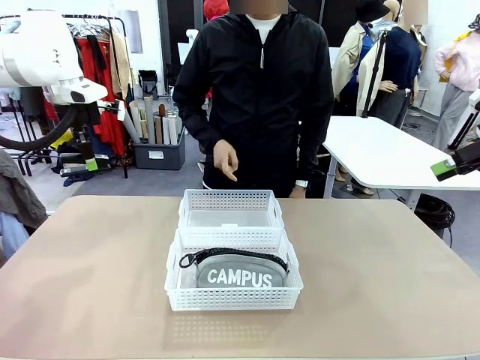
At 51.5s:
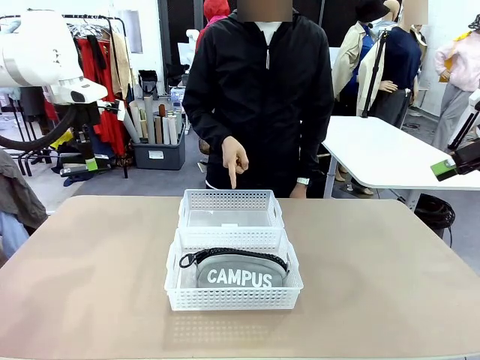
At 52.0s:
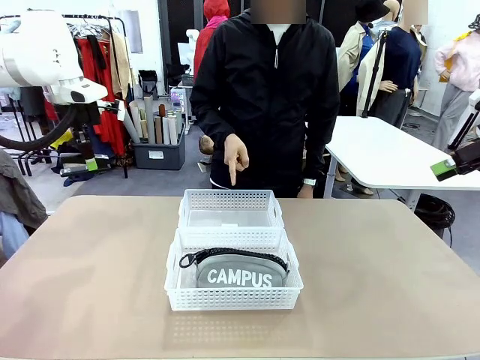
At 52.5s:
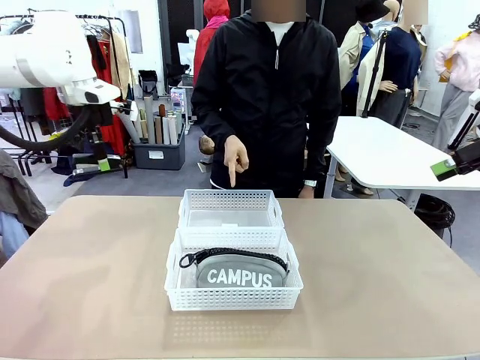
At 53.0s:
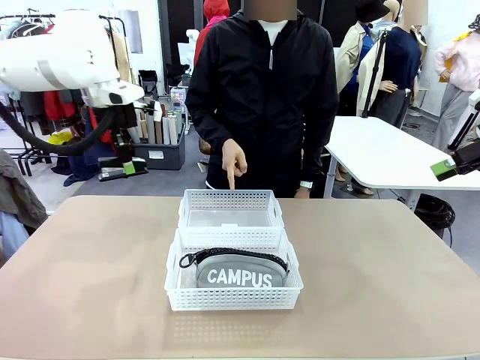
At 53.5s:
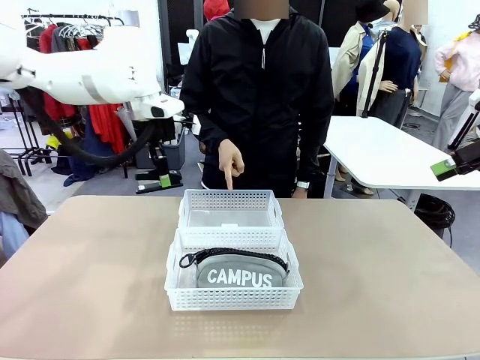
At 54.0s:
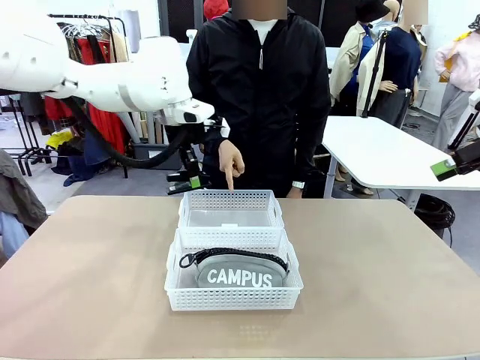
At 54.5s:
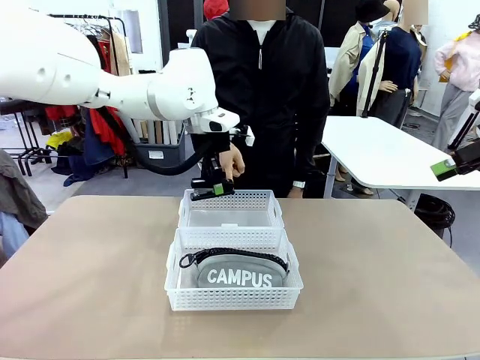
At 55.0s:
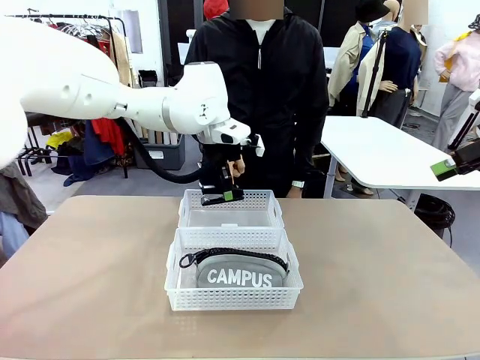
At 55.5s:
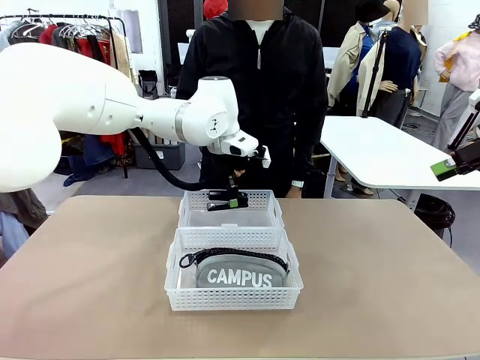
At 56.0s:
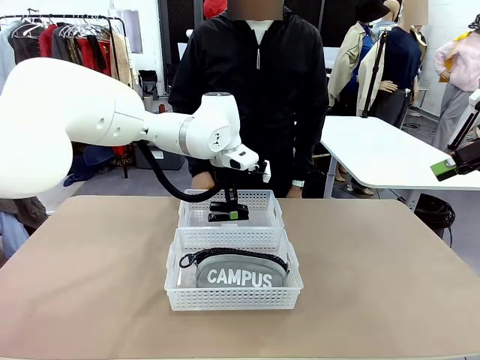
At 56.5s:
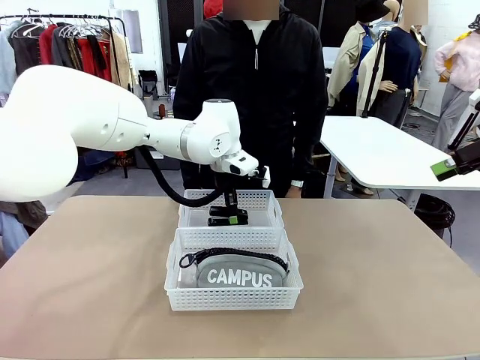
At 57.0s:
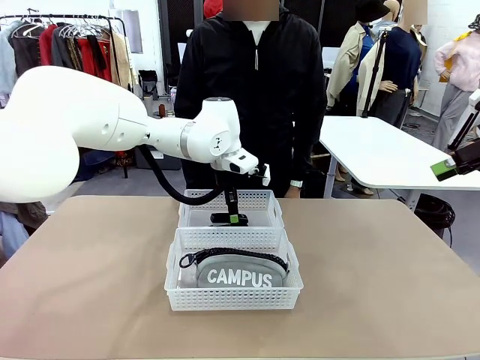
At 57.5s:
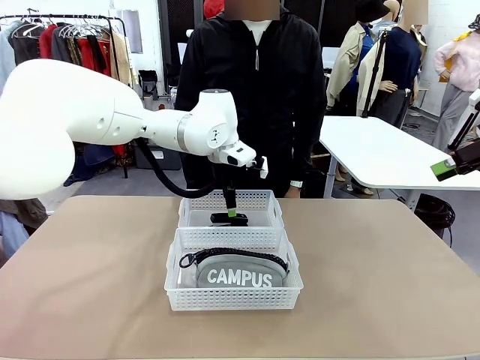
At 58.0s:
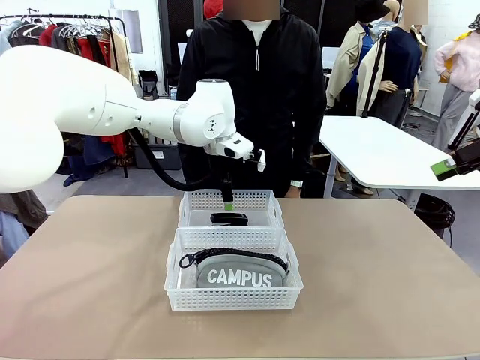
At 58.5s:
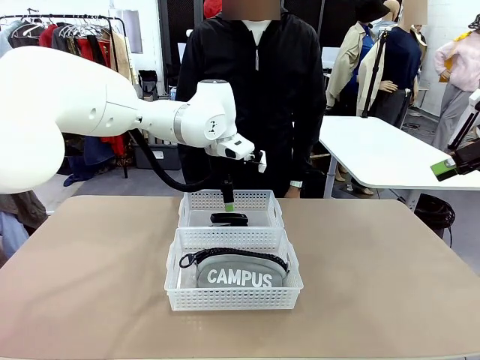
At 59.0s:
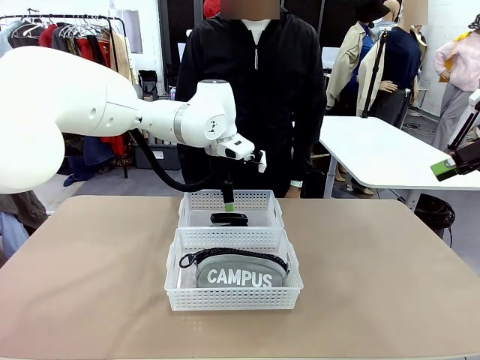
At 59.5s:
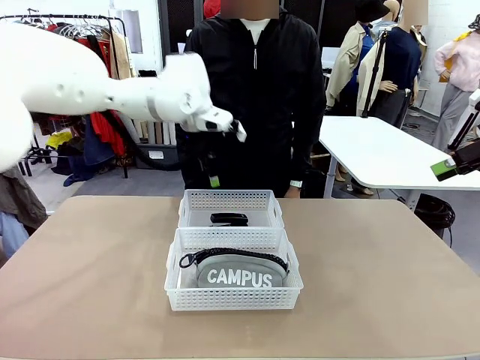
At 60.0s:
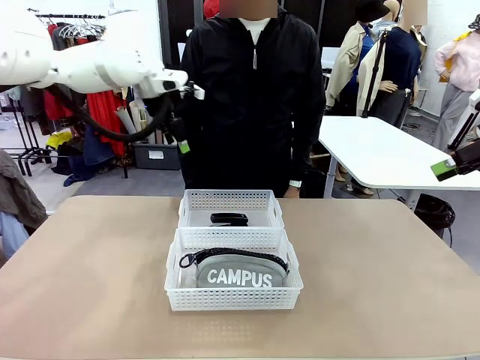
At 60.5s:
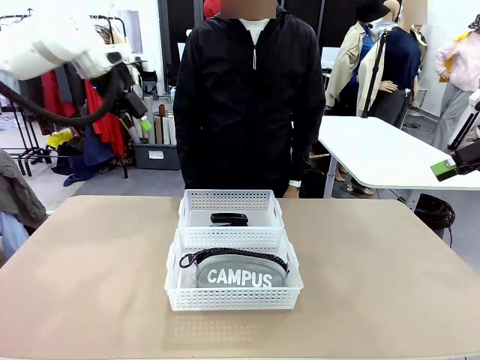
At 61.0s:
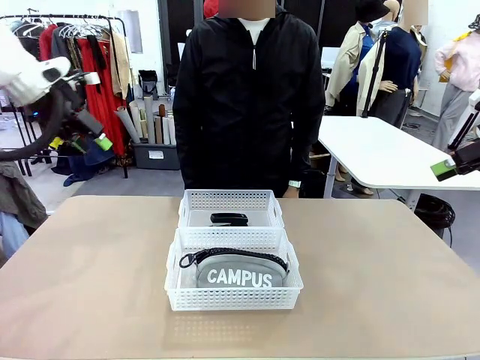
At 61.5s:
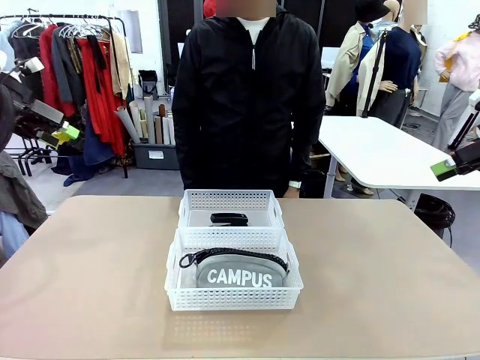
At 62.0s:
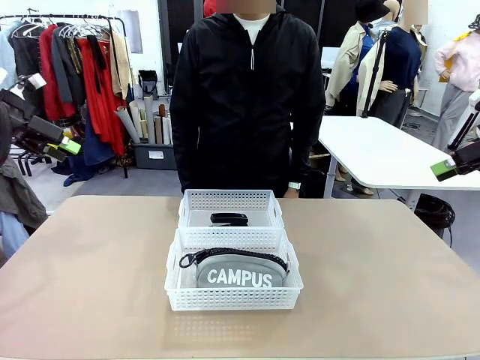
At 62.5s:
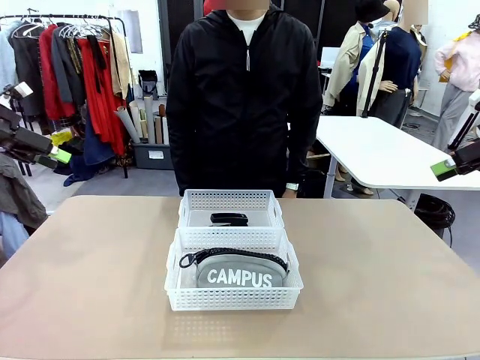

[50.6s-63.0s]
Task: Distribute items into two baskets.
Robot: Place the picked Stapler into the Organizing basket as instructed by the person.
Person: Points to the basket that does not contain the pencil case and instructs the robot to move the stapler there.

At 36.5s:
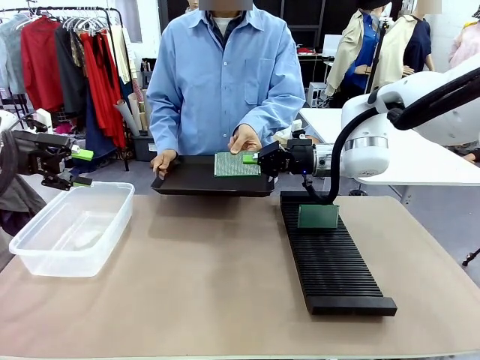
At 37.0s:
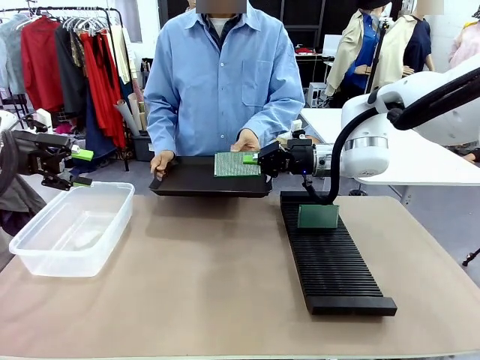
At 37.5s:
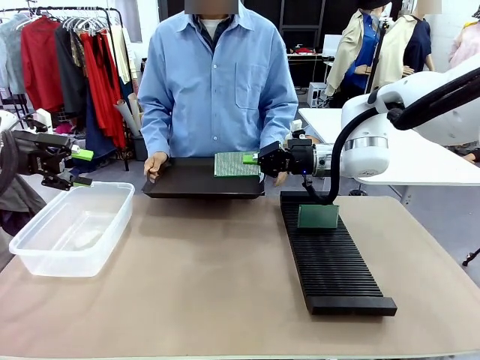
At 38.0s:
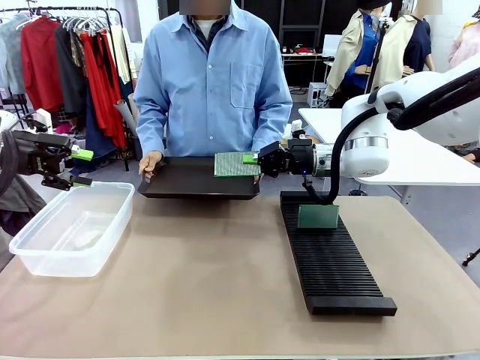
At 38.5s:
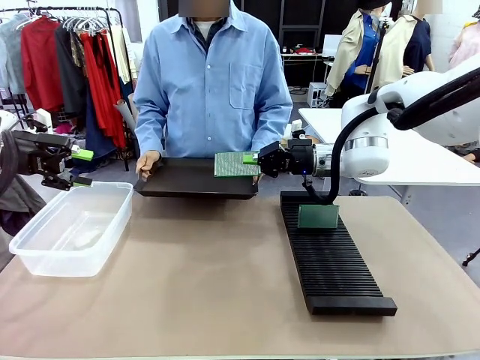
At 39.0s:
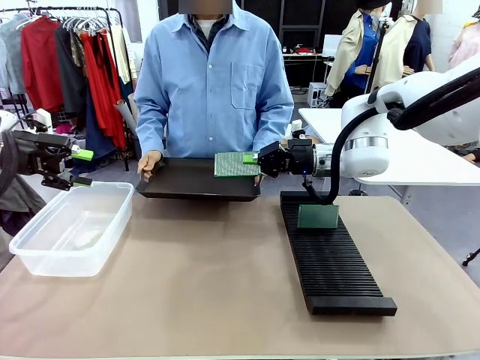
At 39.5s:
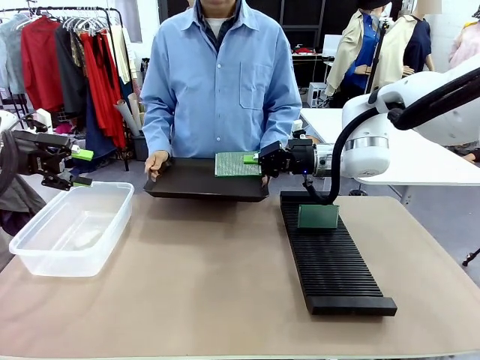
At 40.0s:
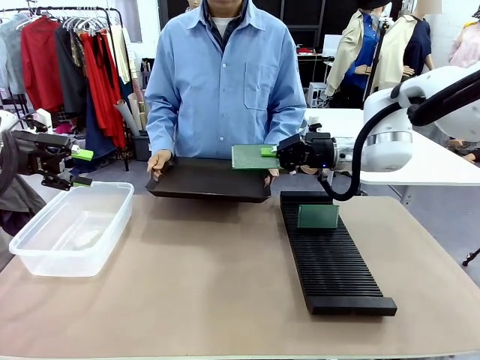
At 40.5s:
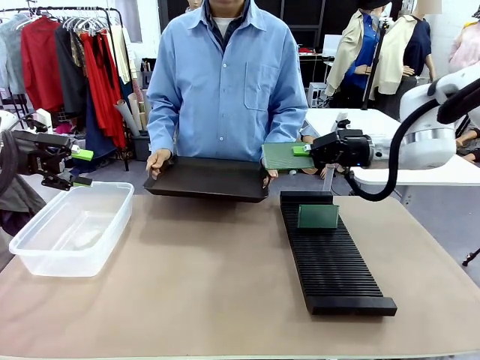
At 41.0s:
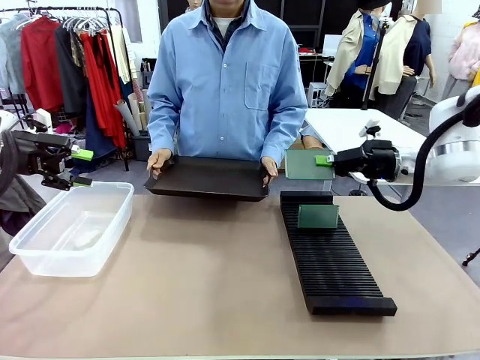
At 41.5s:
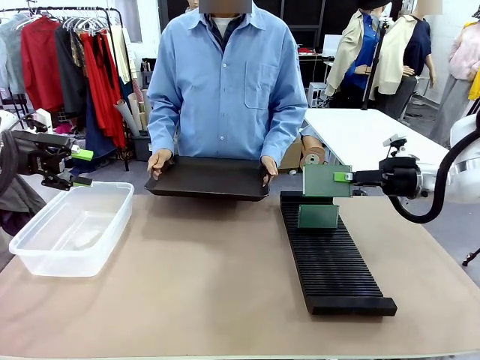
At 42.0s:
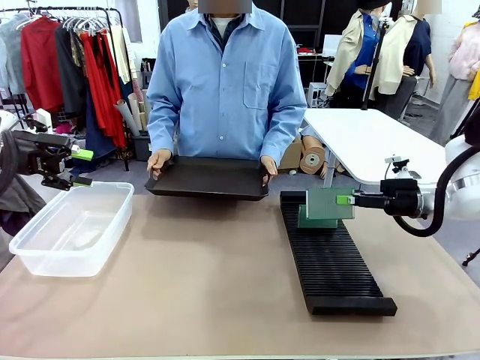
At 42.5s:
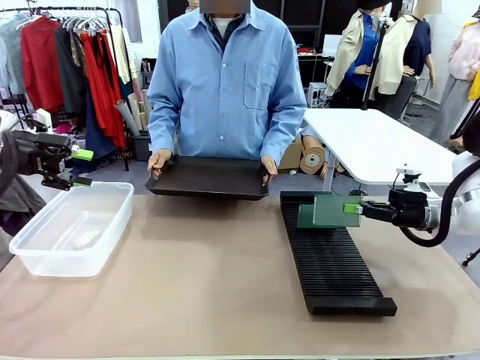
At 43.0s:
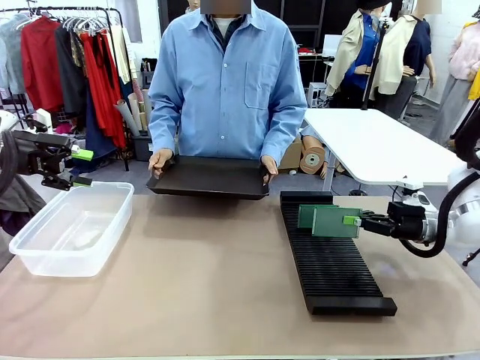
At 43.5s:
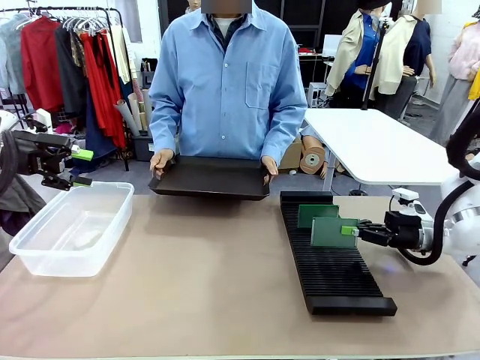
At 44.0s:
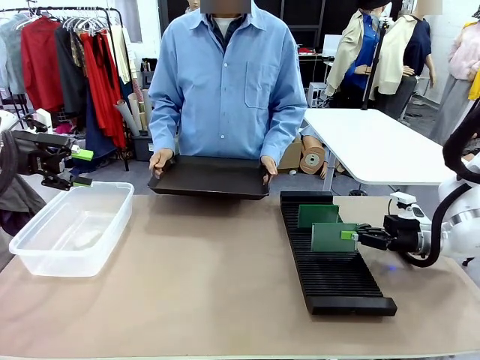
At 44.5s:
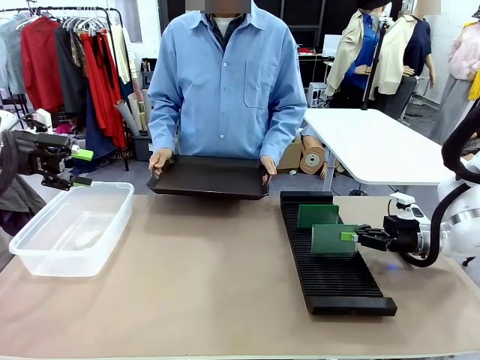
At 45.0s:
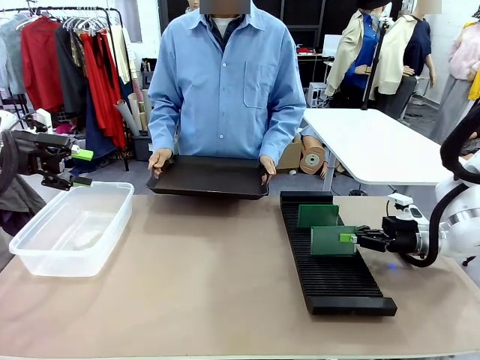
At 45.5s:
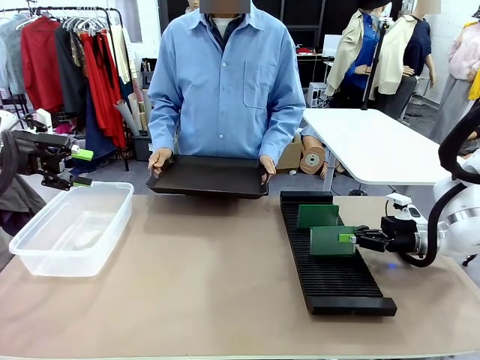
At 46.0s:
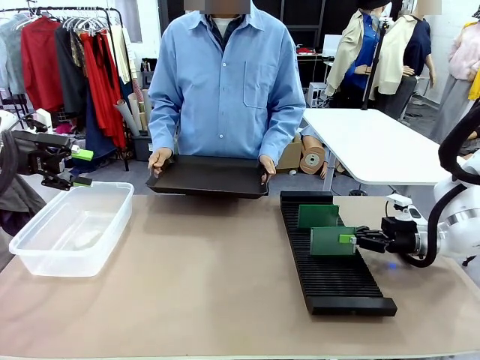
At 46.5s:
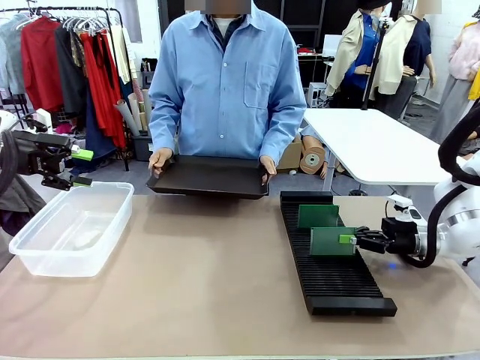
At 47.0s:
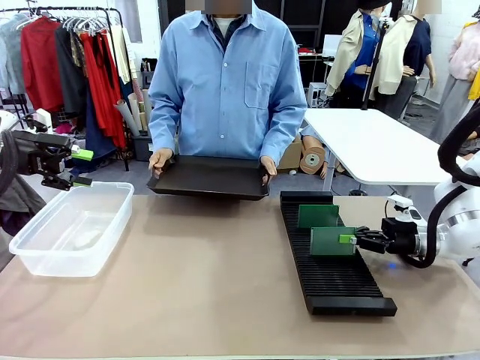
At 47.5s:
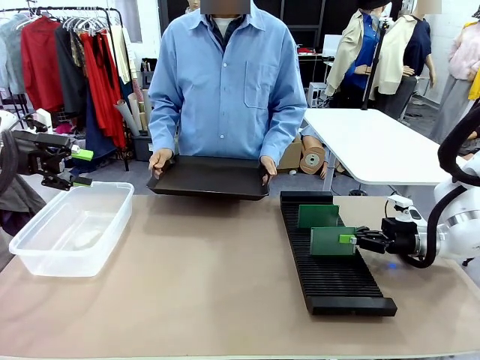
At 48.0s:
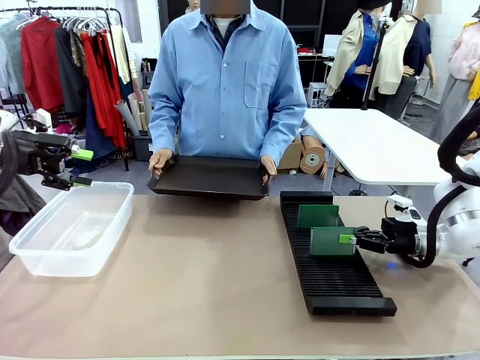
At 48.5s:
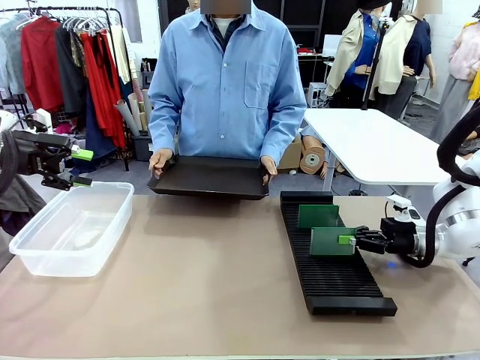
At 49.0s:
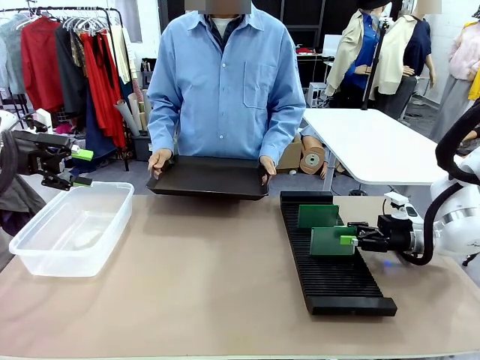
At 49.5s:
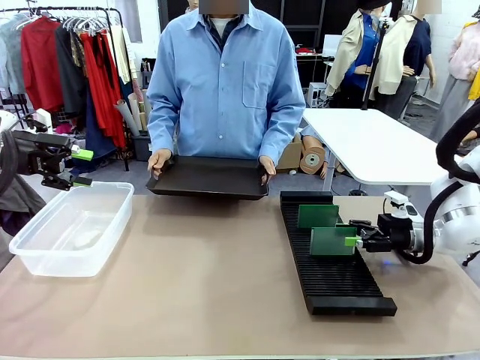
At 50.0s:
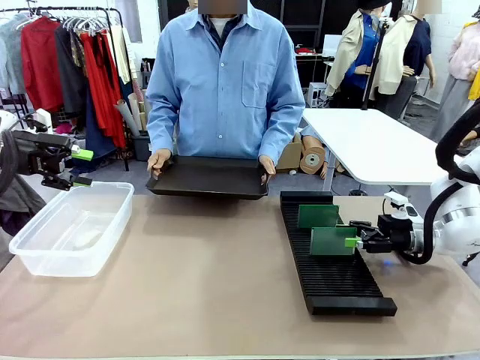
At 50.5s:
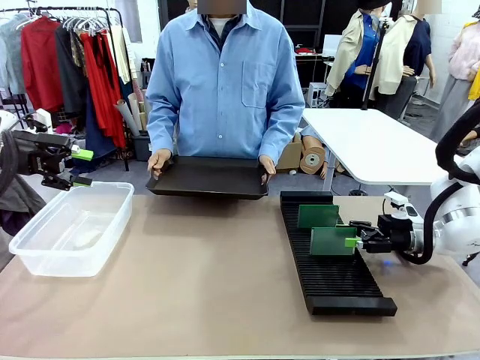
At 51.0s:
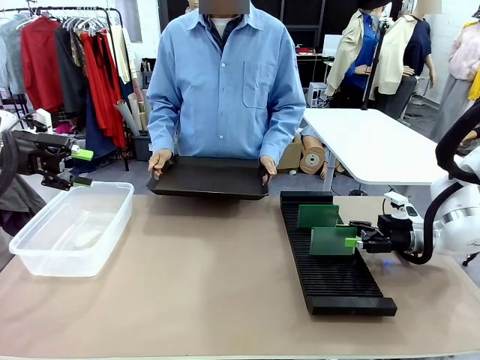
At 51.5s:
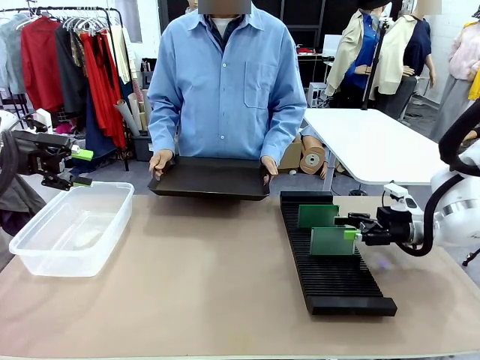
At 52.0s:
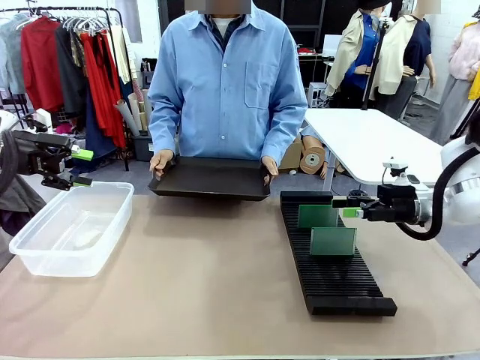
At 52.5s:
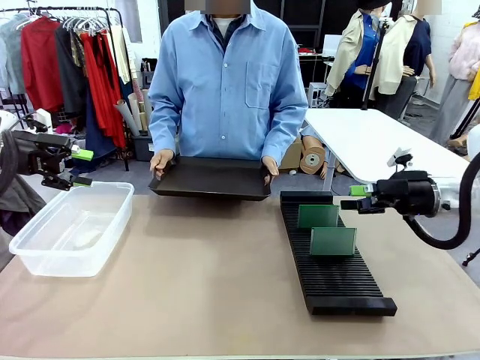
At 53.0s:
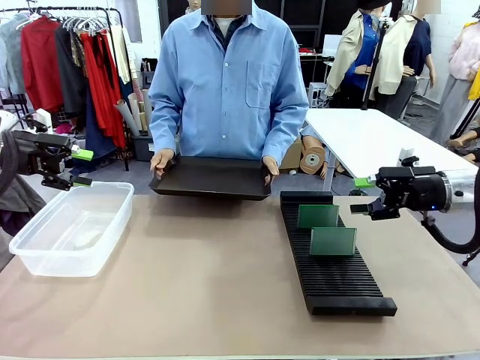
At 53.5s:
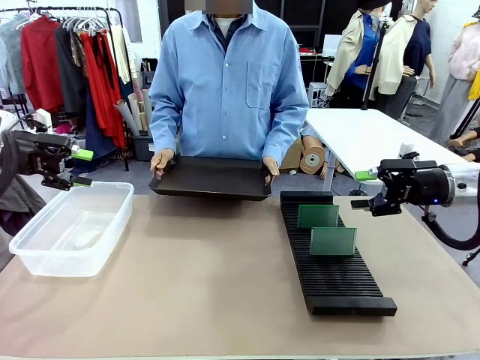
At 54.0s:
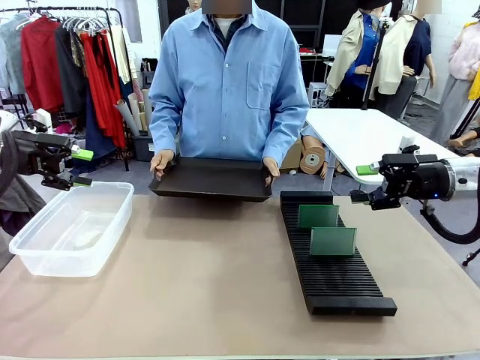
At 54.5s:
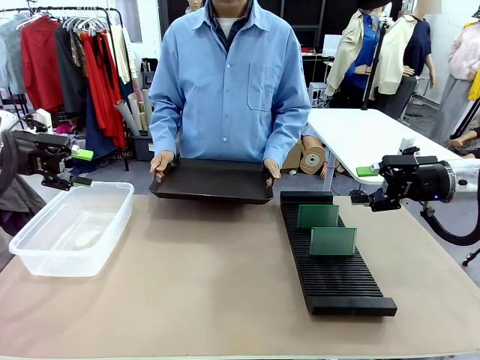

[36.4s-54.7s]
Task: Sort PCBs into racks and boxes based on the side picked up.
Robot: If the short side of the Blank PCB is picked up, insert it into the PCB Rack ; if the long side is picked up, place it in the Organizing box.
Person: Release the PCB being held.
